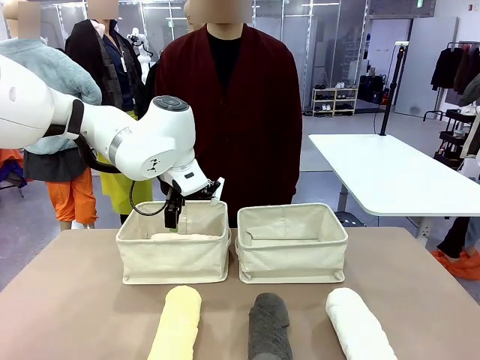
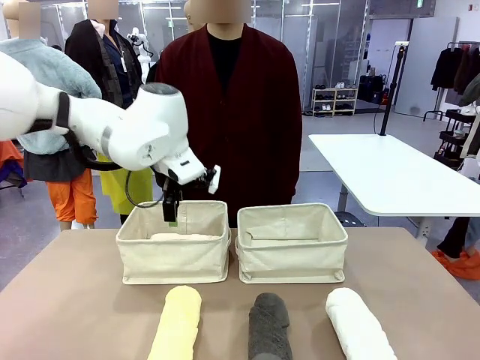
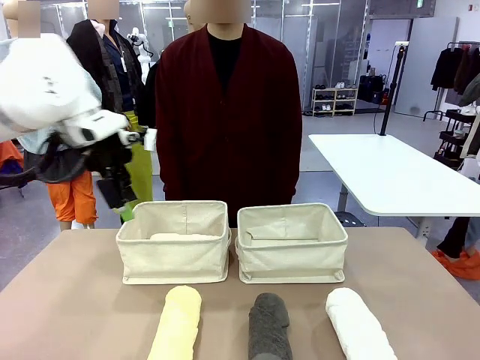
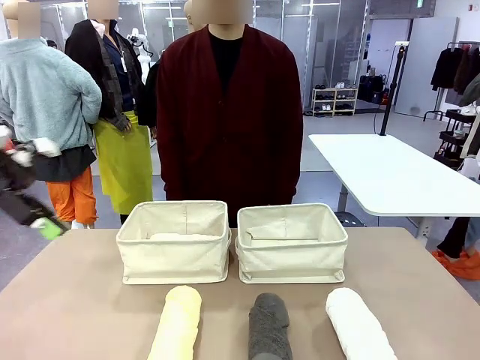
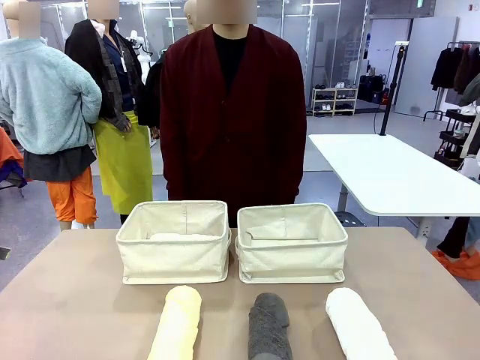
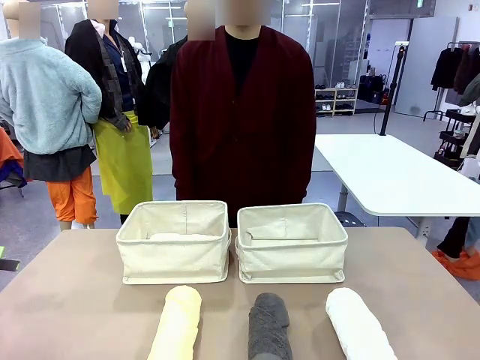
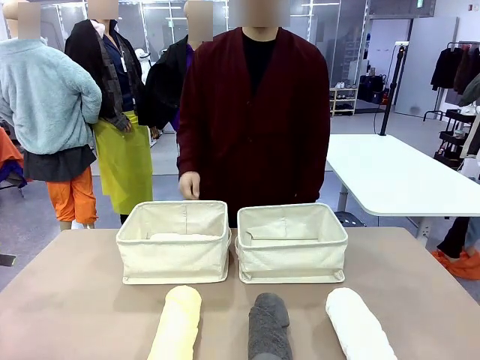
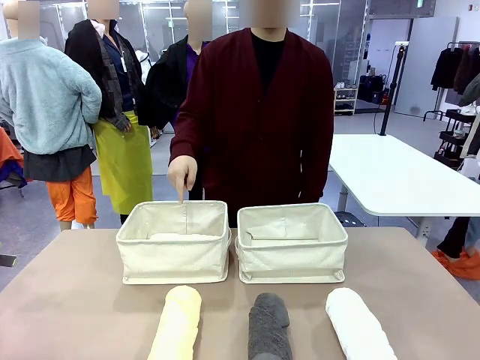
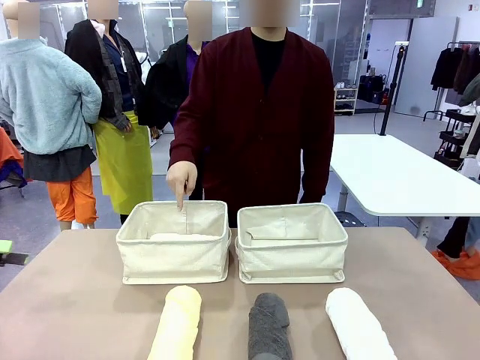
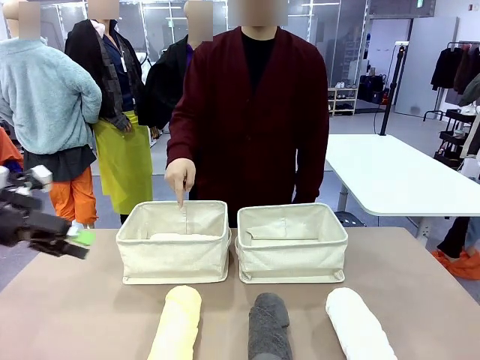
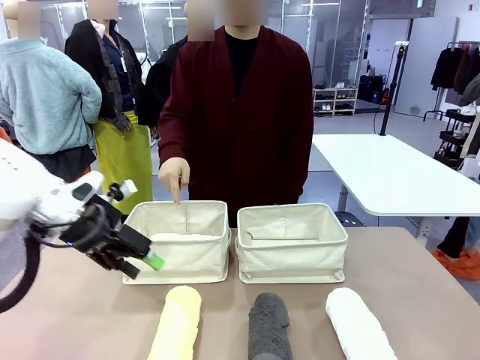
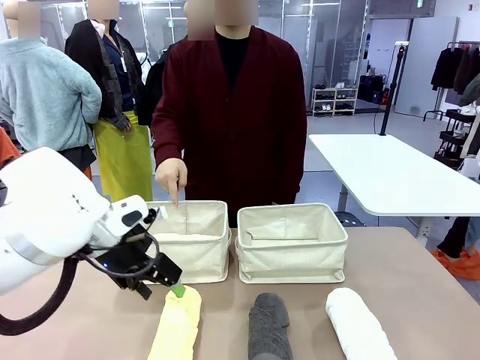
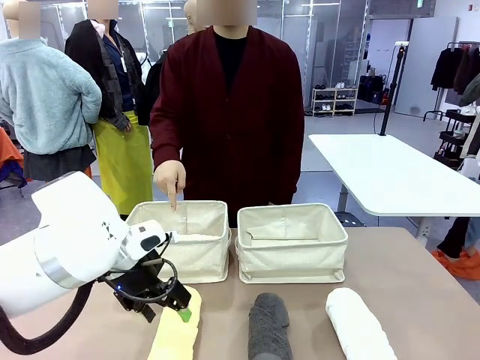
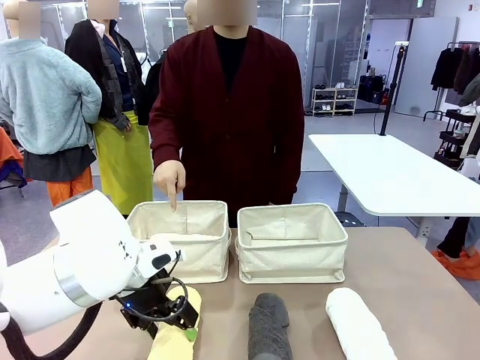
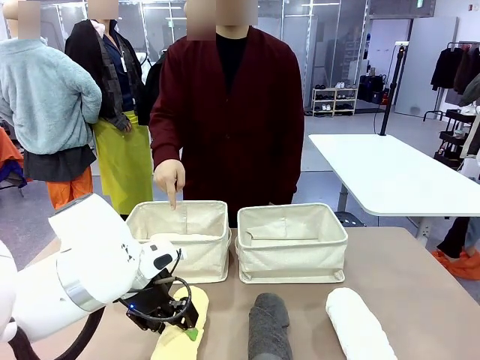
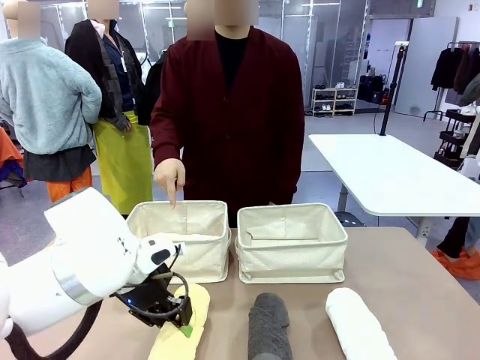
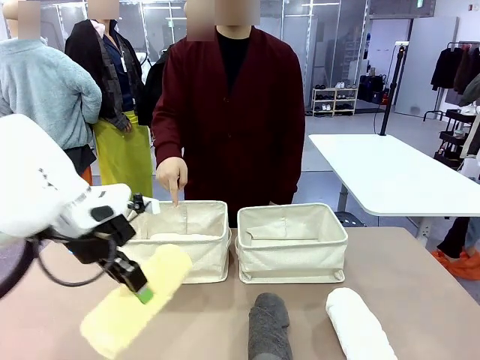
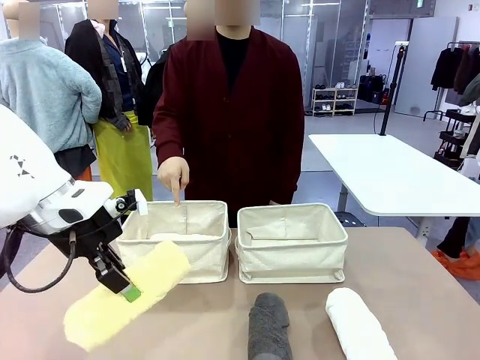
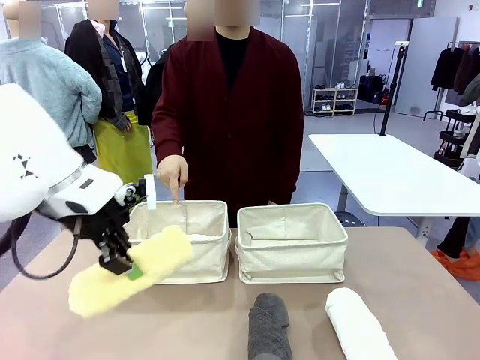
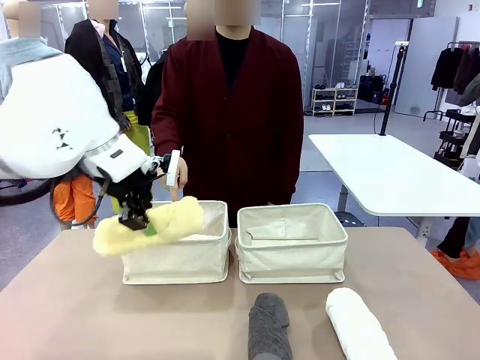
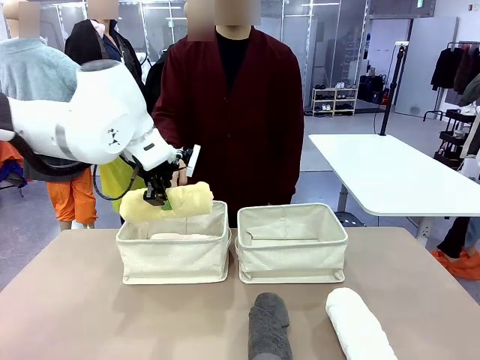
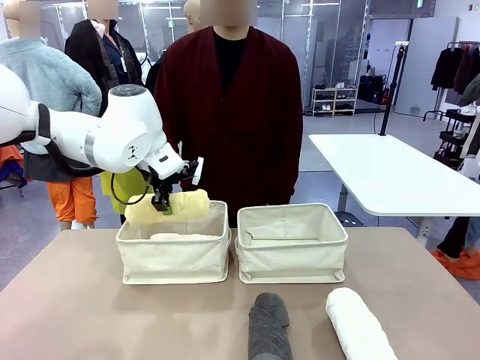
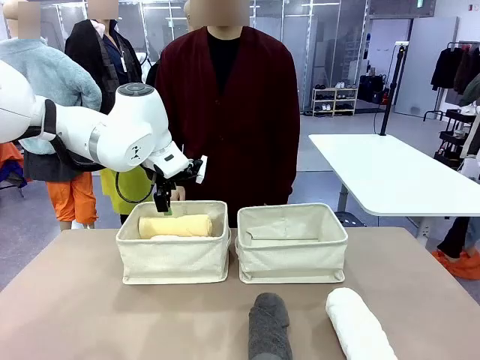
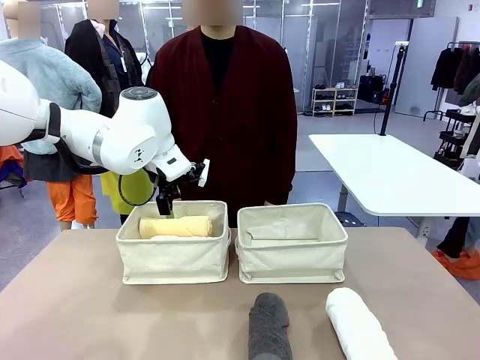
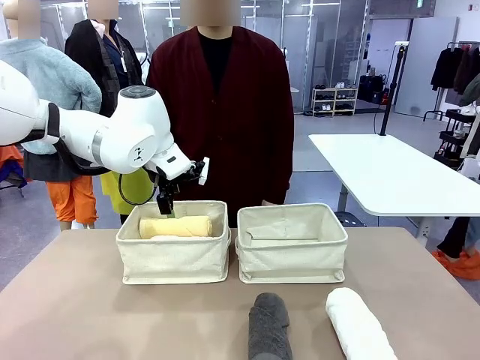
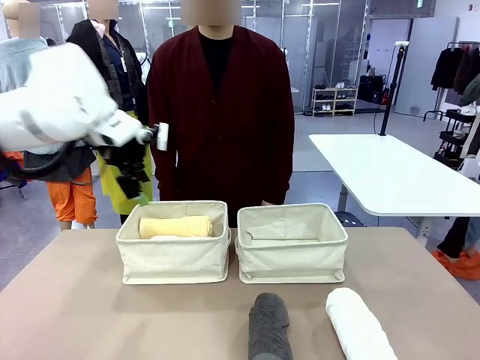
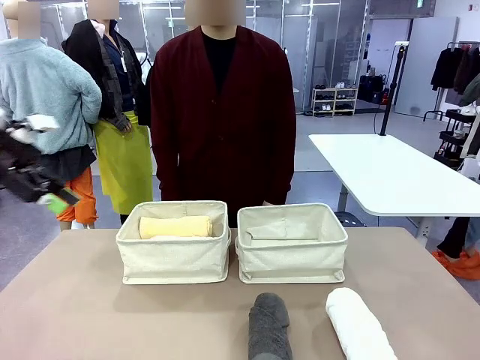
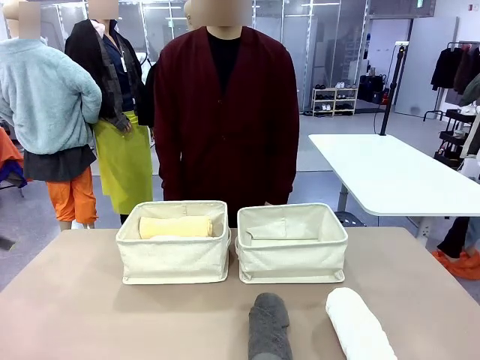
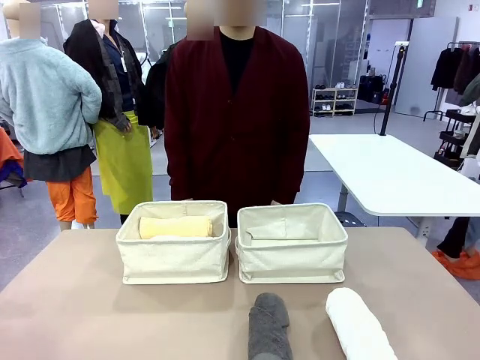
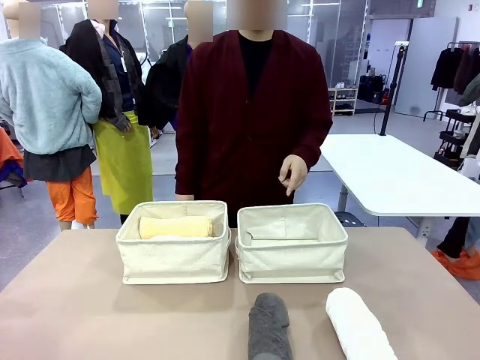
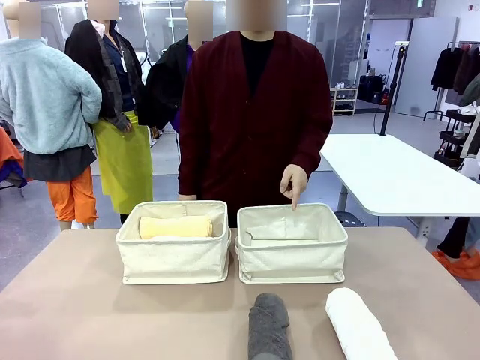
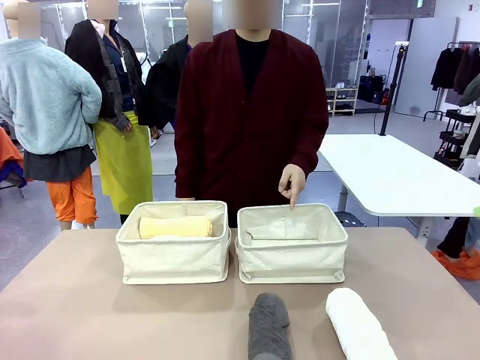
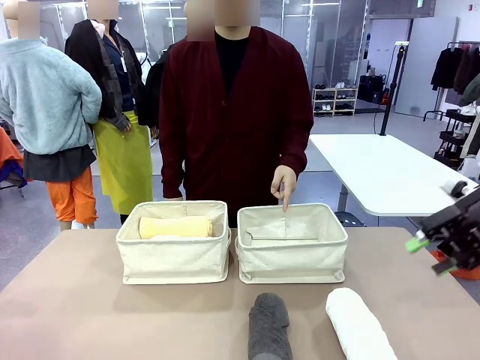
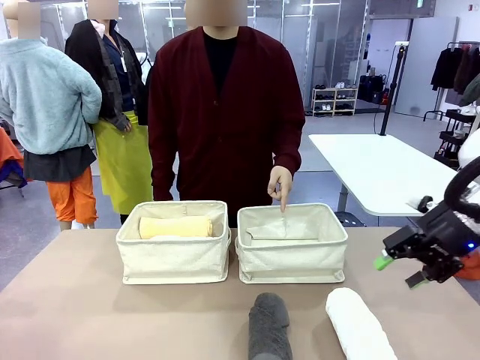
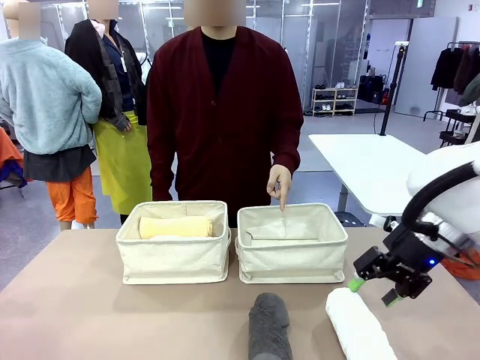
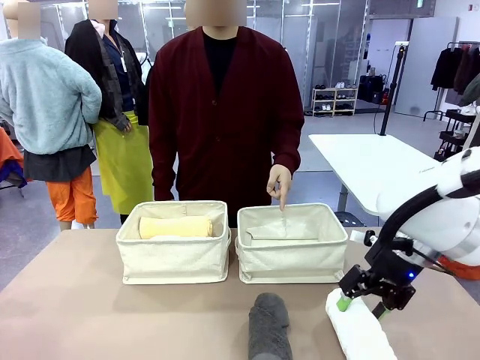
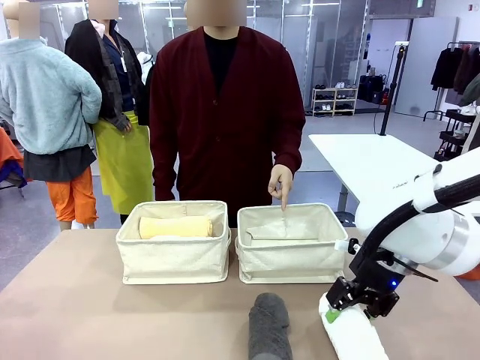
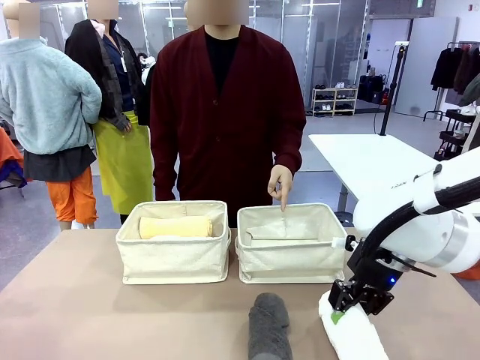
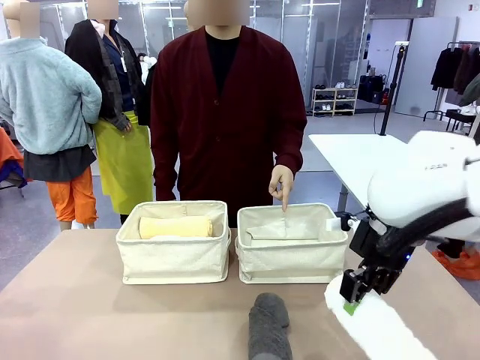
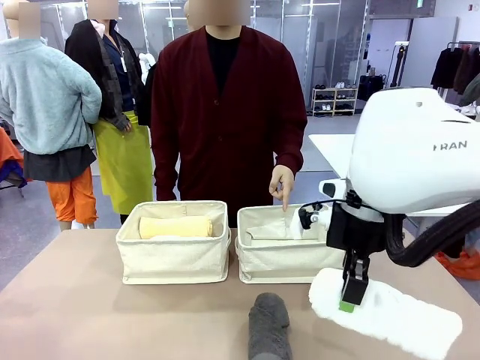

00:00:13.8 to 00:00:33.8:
Task: Divide the towels into two baskets.
Robot: Pick up one hotel-folded towel from the bottom of the table and place it in the Fabric basket indicated by the person.
